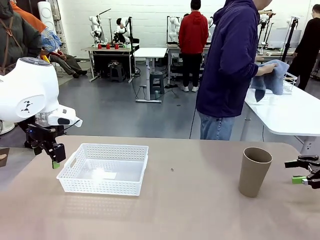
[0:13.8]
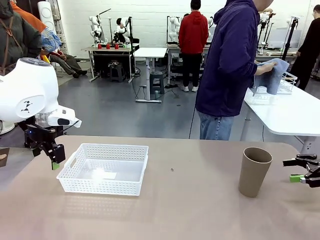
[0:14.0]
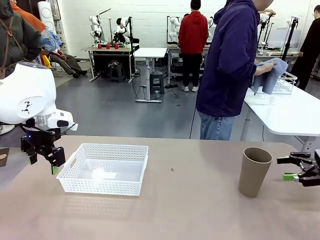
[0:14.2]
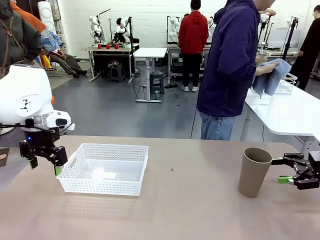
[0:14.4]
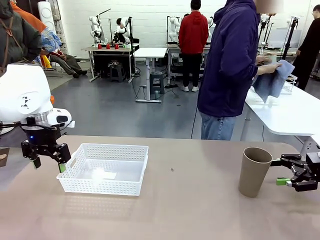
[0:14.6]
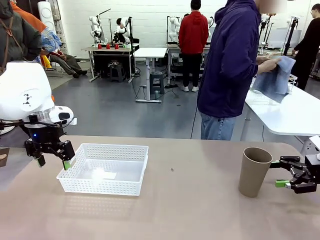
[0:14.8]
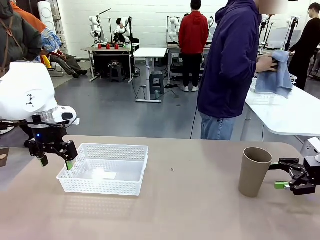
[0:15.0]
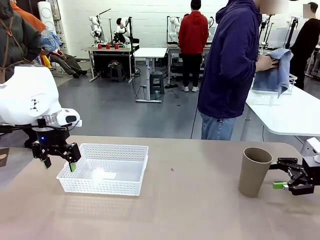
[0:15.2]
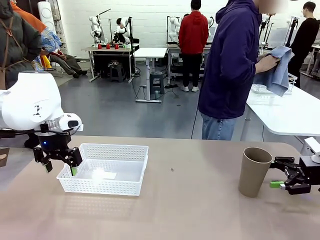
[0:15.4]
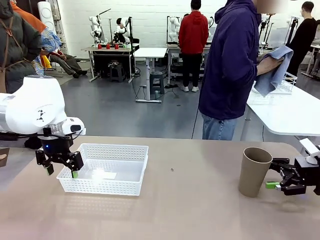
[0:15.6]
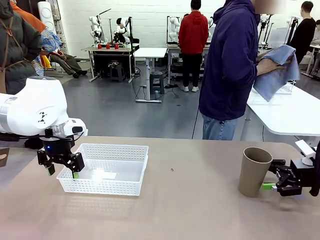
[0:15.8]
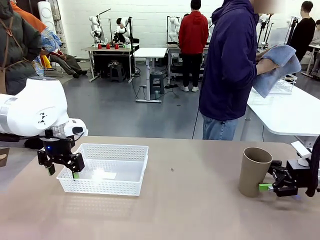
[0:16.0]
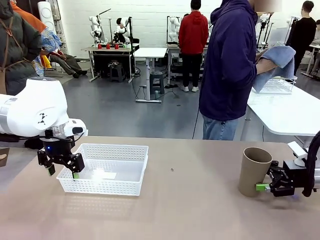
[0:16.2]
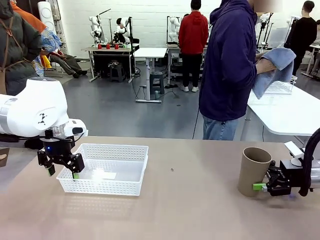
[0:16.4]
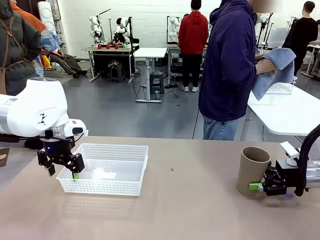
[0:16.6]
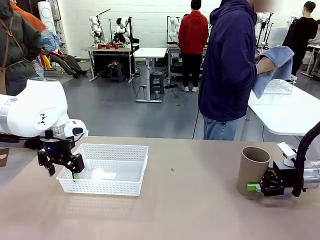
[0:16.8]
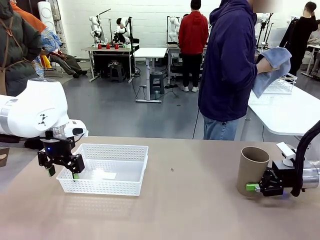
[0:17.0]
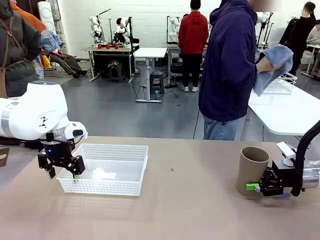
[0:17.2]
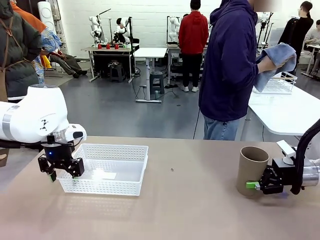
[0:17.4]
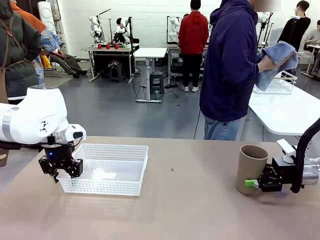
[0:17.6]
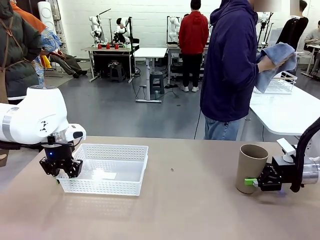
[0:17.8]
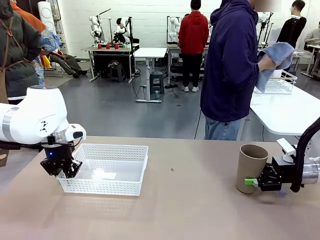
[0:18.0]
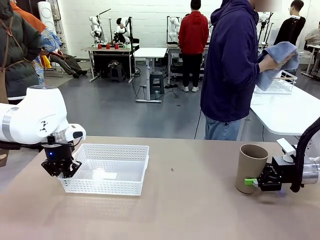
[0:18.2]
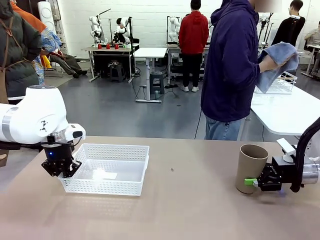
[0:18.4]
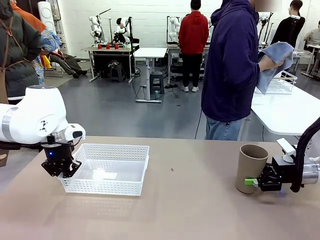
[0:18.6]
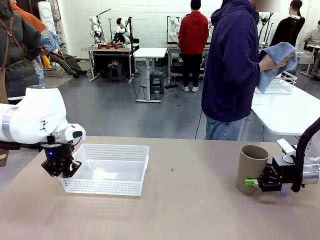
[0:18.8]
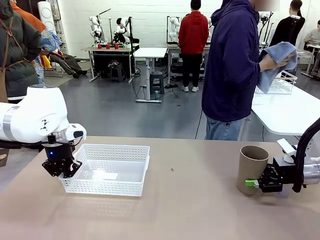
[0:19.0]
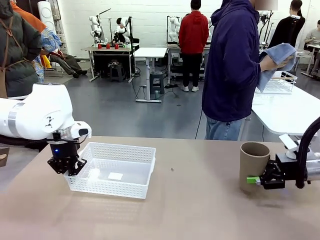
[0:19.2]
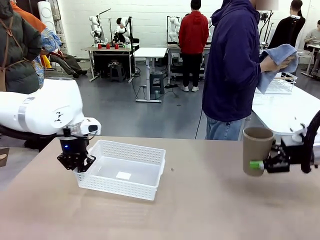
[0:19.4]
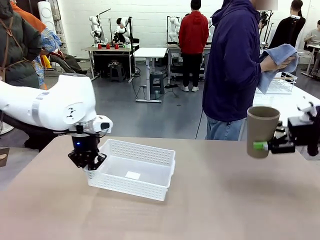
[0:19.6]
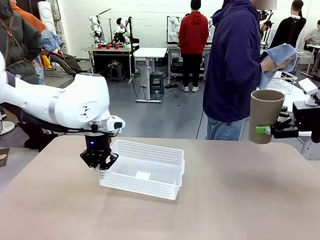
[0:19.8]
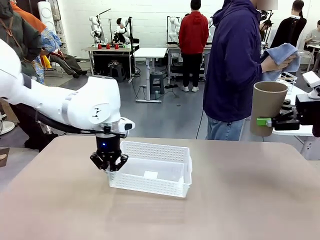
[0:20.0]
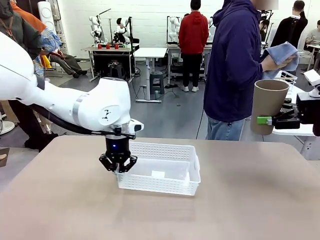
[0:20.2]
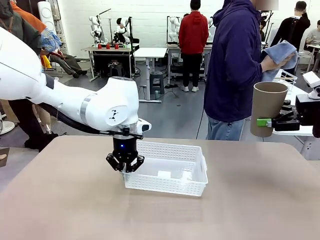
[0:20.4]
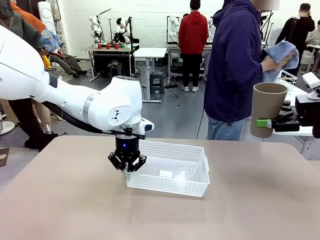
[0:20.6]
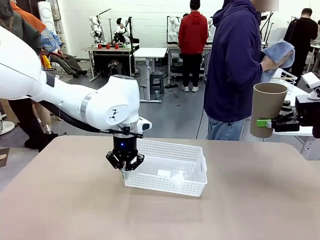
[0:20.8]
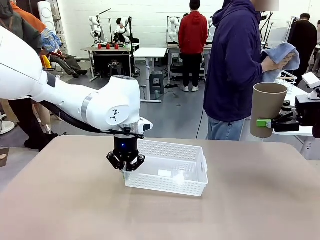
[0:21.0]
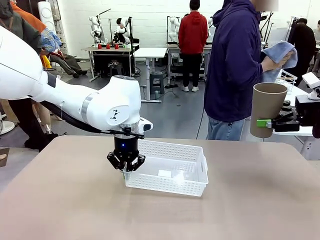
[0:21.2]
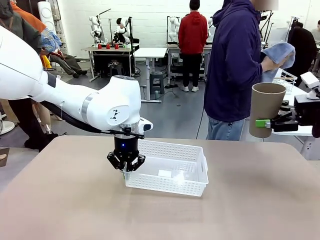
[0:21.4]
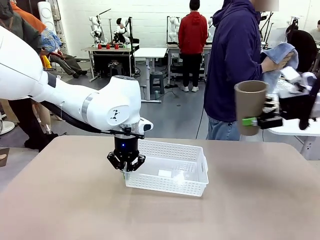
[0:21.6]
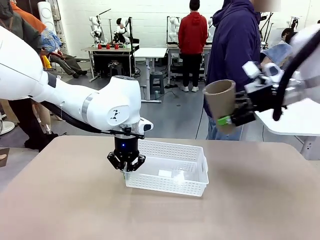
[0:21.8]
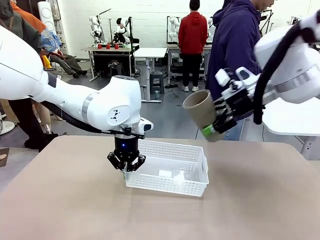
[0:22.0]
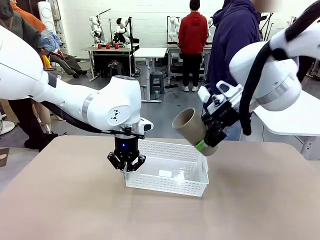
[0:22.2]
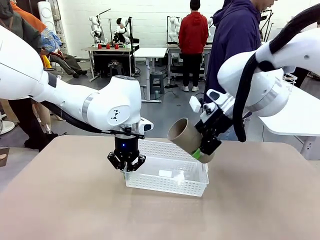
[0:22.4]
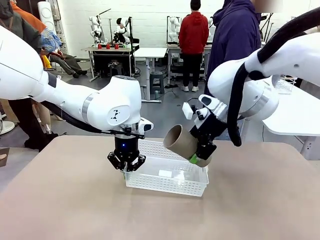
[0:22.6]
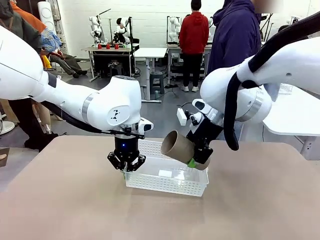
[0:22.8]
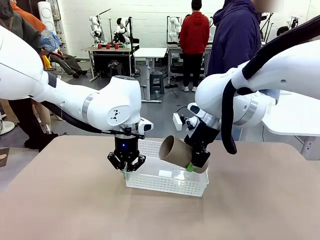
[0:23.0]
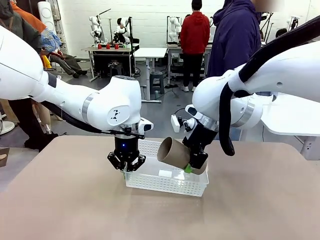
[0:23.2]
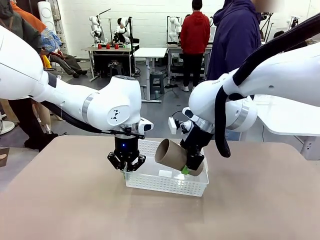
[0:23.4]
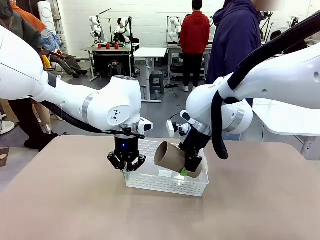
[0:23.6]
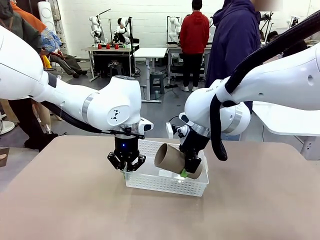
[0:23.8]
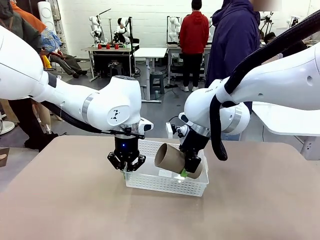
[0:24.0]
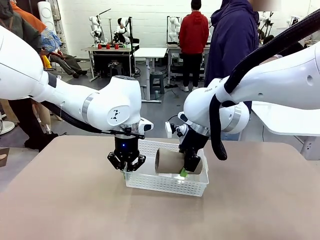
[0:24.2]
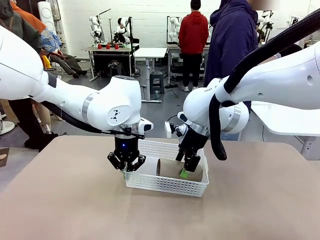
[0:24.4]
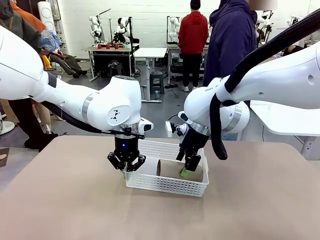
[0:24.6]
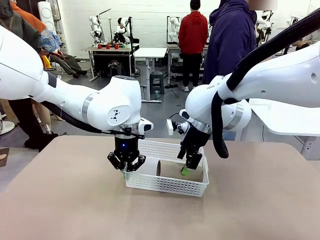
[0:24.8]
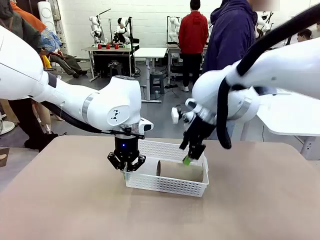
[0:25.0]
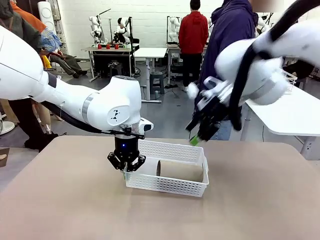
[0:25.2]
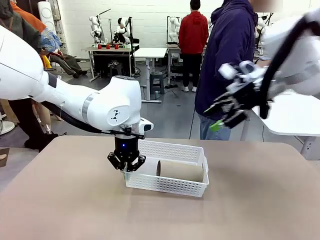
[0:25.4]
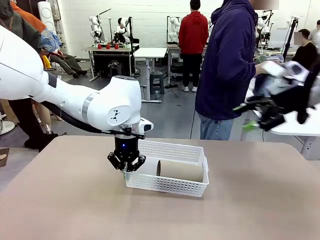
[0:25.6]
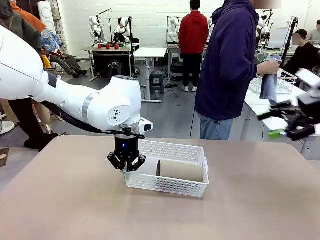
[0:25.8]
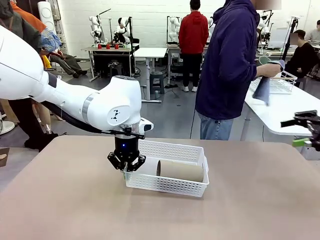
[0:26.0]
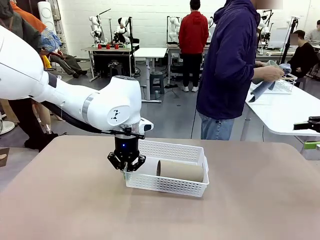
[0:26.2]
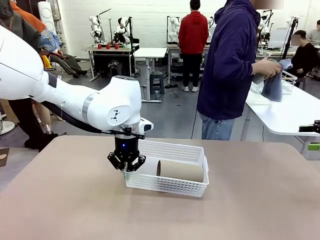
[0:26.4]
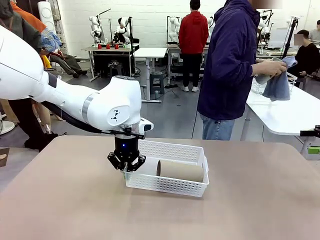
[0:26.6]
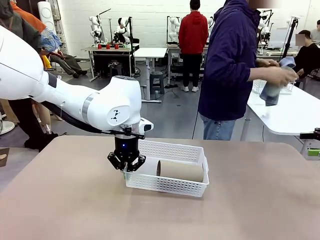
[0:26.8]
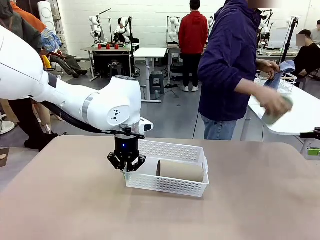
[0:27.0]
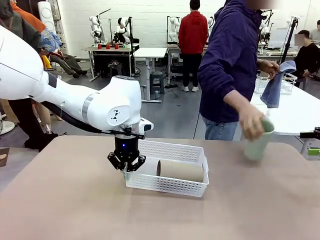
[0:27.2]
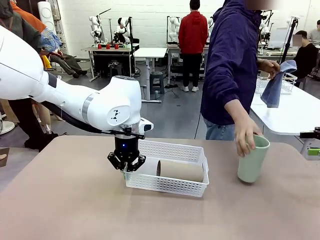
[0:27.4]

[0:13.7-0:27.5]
Task: Clean and organize the cups into the basket.
Robot: Pick up the Organizing basket and move it to the center of the table, then pick up the Reusable plastic cup from the right side of the table and place it inside the Organizing basket.

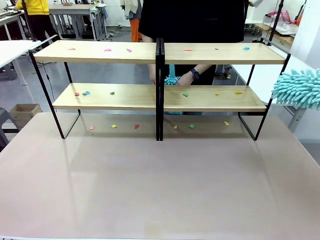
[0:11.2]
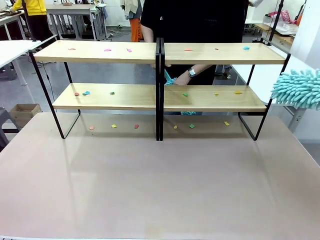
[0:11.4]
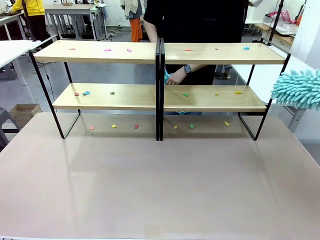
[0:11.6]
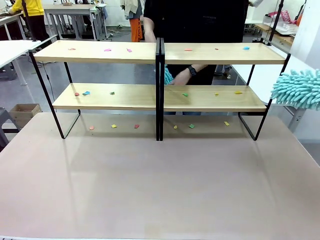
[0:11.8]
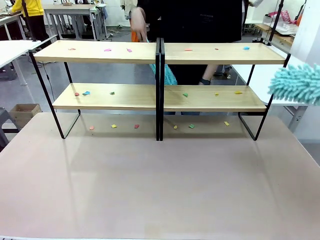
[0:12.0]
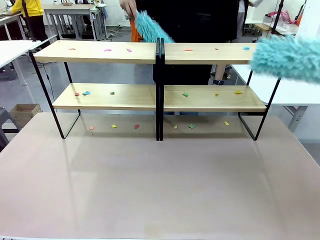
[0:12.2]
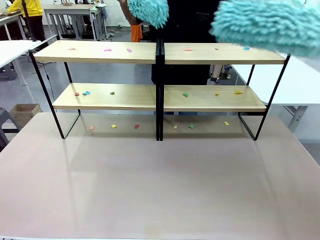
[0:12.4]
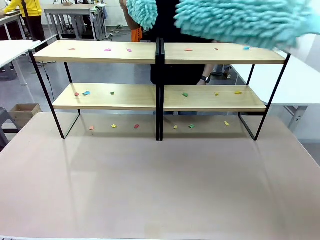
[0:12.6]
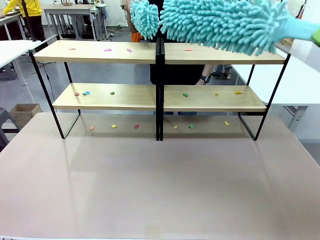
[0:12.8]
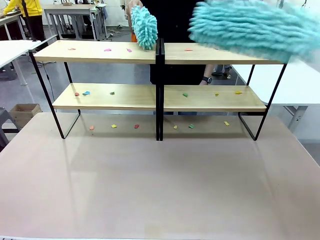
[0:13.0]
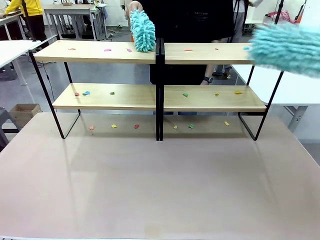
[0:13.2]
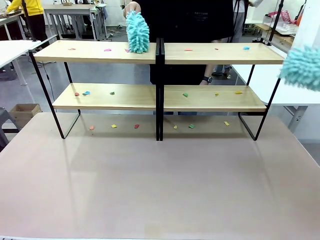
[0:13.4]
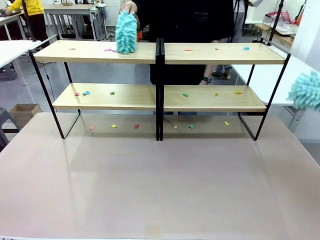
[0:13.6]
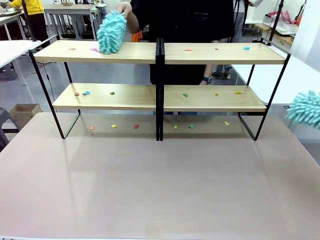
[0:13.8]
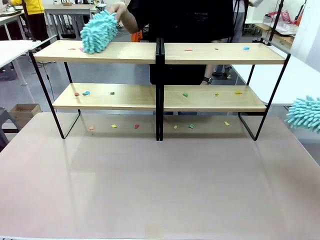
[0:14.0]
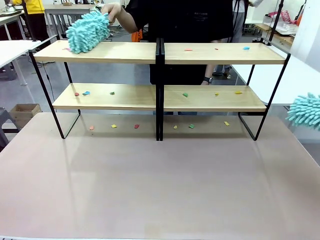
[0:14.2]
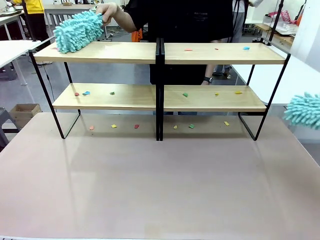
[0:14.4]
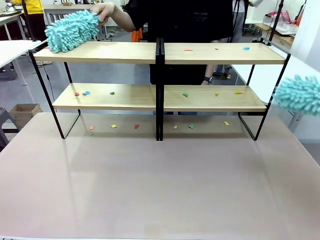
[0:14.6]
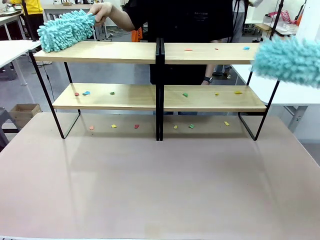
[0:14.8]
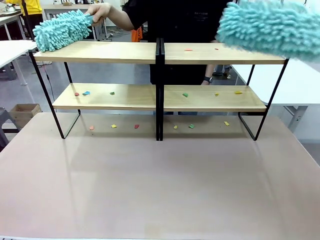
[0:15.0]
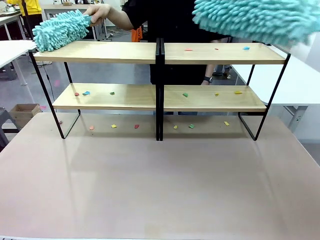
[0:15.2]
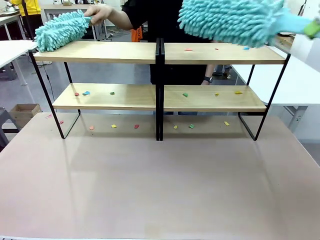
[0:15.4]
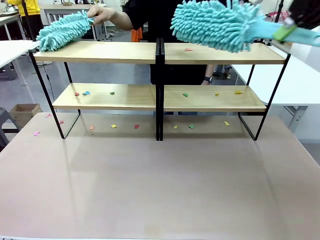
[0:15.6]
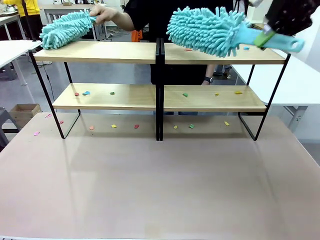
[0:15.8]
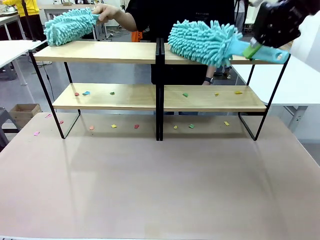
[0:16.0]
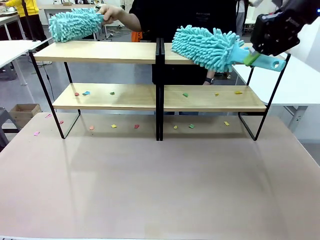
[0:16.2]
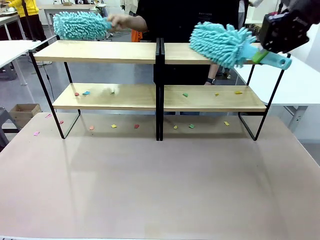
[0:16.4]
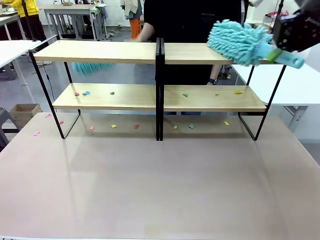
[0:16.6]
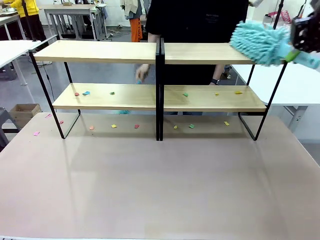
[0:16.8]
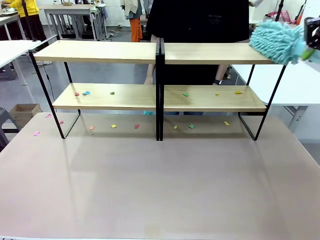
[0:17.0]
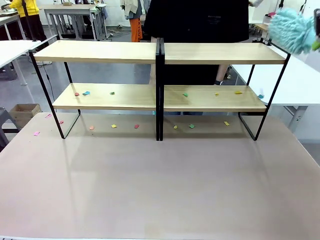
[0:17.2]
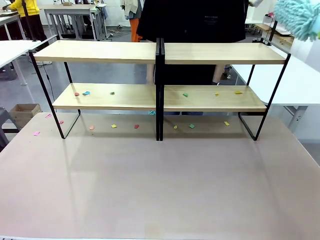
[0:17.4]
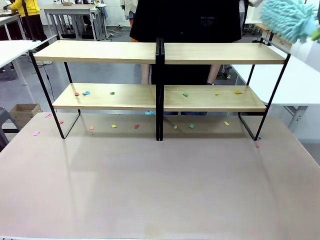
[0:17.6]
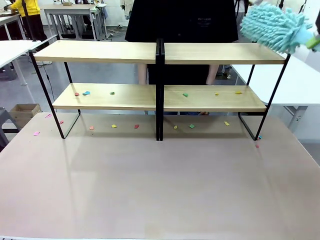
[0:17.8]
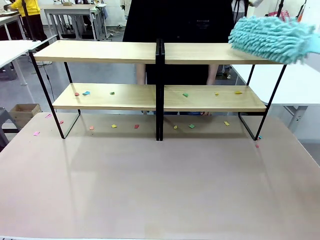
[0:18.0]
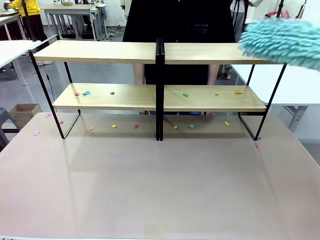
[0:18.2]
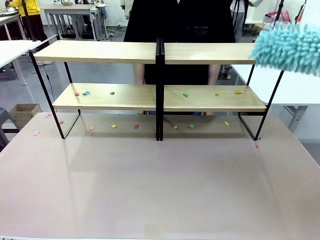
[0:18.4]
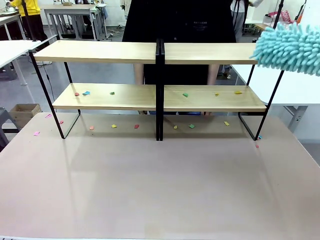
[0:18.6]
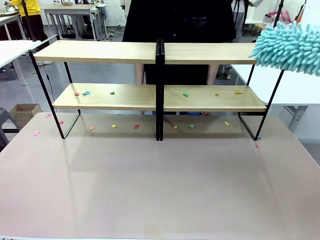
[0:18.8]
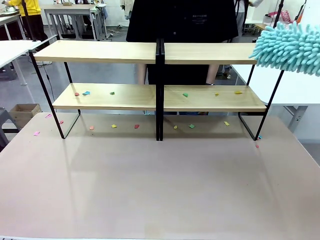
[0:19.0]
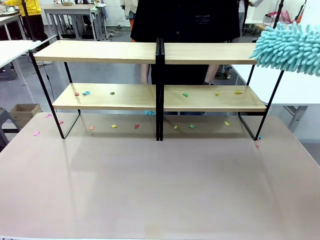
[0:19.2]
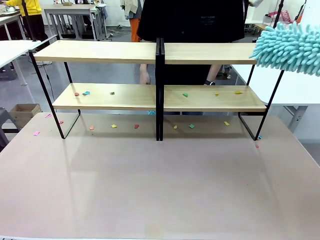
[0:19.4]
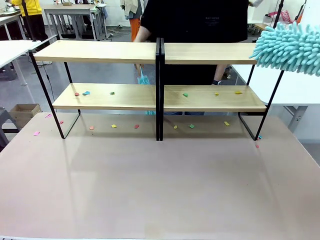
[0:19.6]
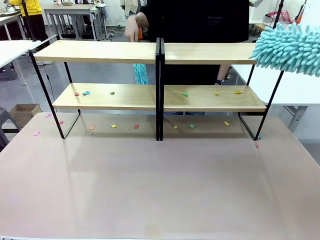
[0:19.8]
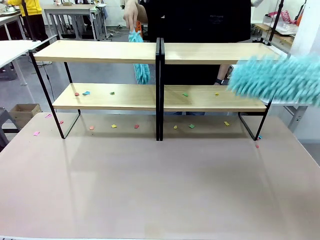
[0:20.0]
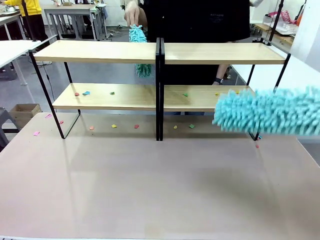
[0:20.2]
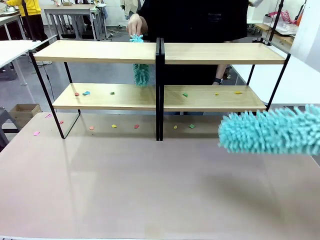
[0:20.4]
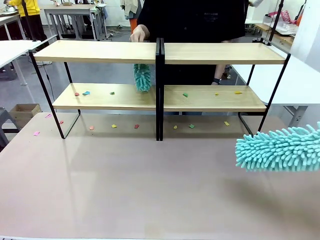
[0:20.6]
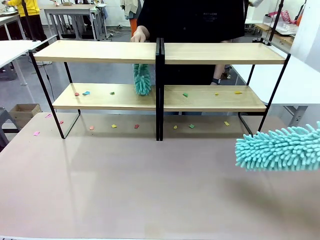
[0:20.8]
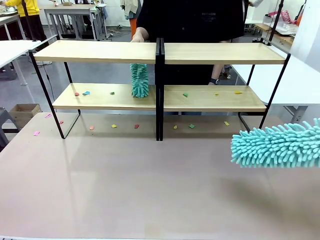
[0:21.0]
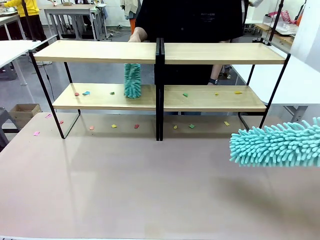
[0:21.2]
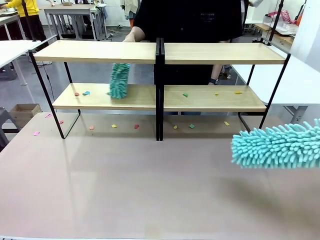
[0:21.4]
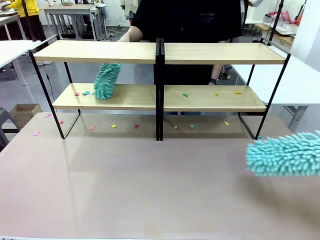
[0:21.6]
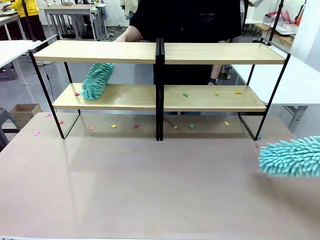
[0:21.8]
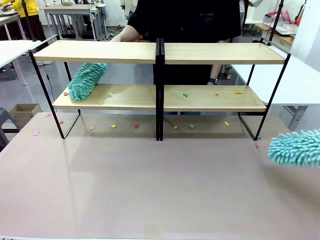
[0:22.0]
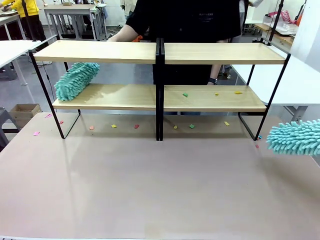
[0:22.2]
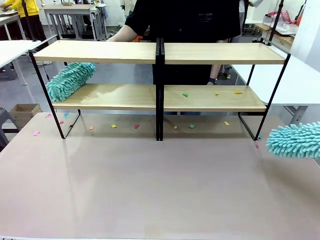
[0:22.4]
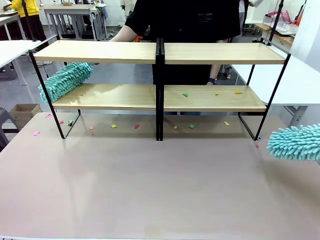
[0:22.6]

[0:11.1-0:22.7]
Task: Clean the shelves.
Robot: Clean a randomly selected level of the Shelf with the Duster.
